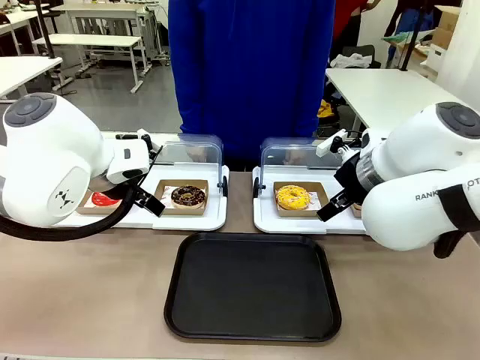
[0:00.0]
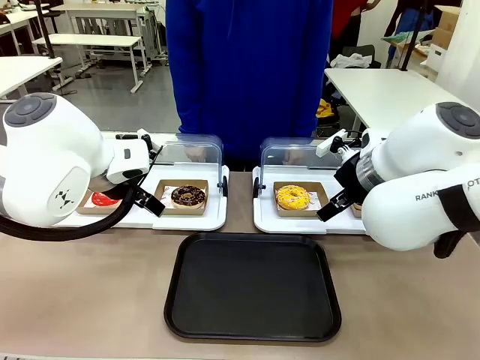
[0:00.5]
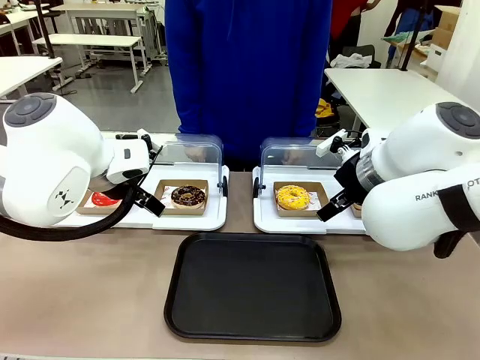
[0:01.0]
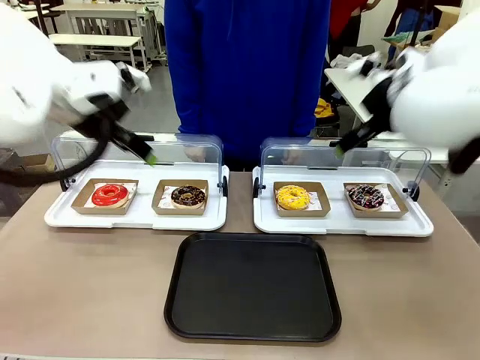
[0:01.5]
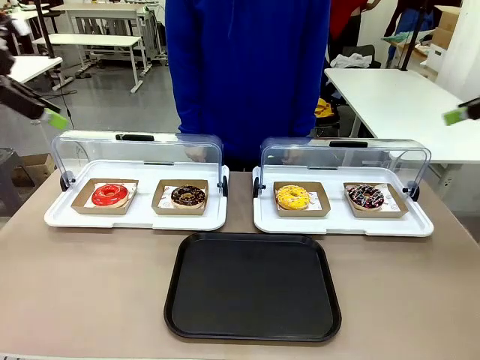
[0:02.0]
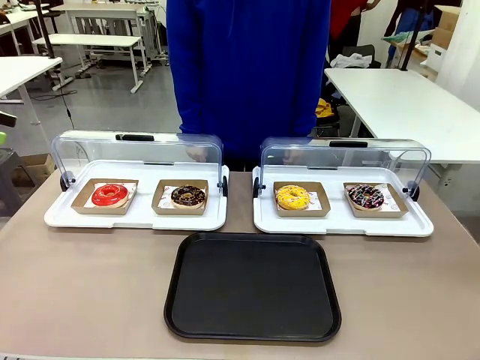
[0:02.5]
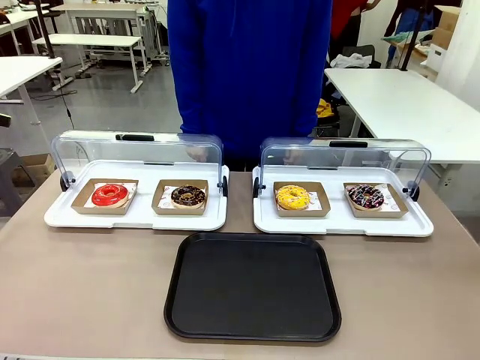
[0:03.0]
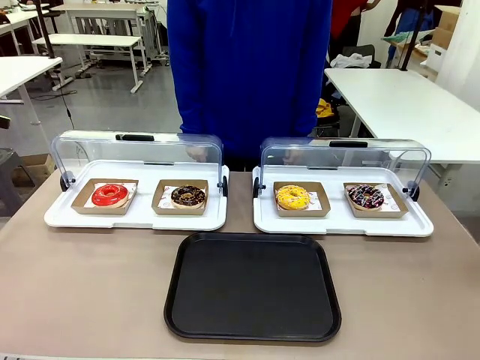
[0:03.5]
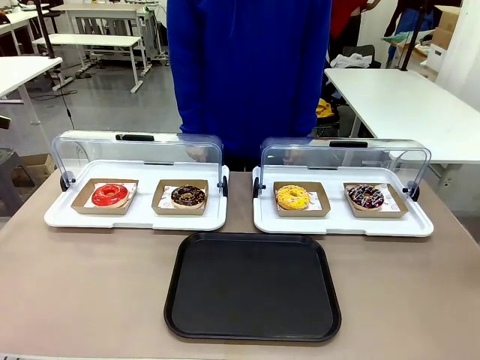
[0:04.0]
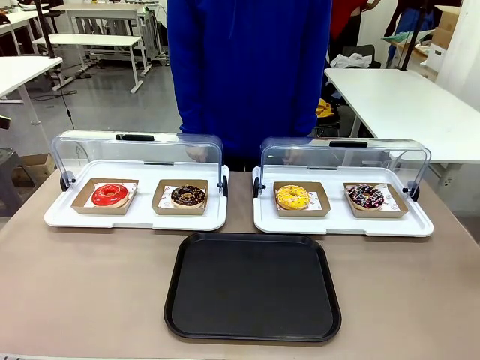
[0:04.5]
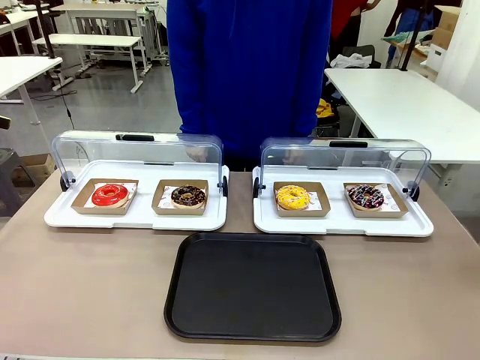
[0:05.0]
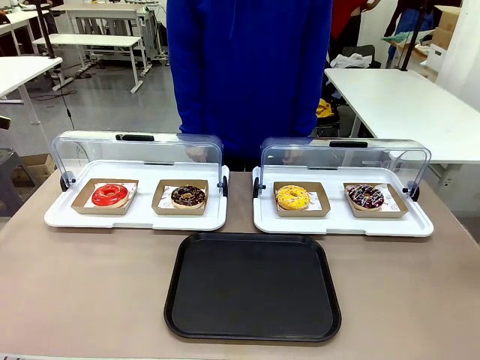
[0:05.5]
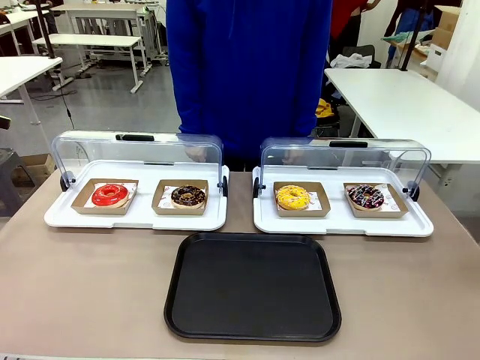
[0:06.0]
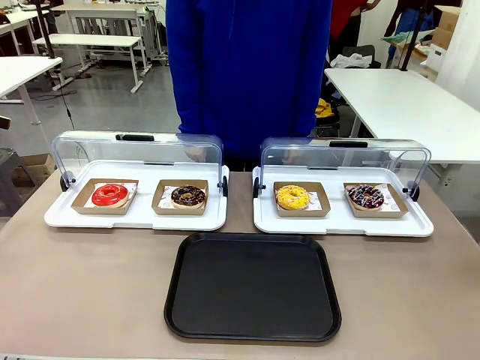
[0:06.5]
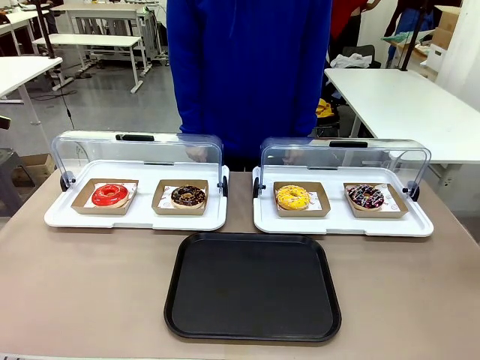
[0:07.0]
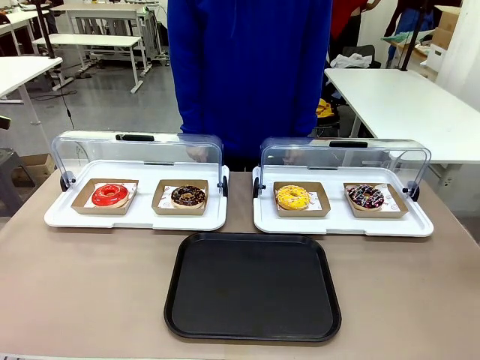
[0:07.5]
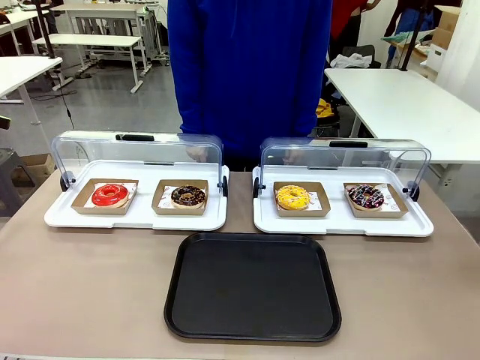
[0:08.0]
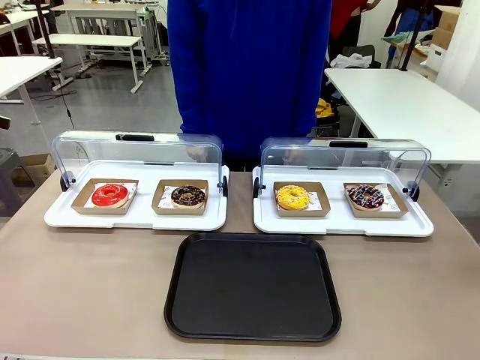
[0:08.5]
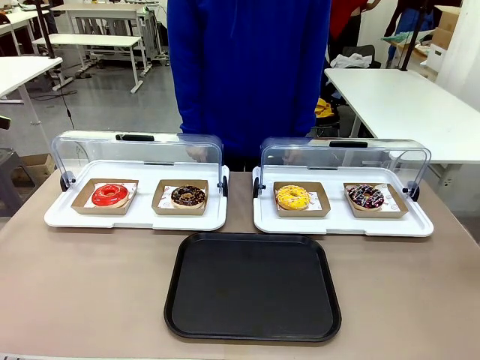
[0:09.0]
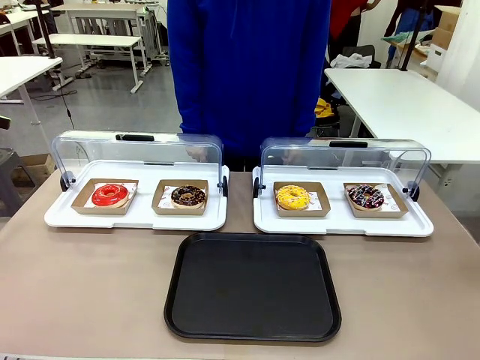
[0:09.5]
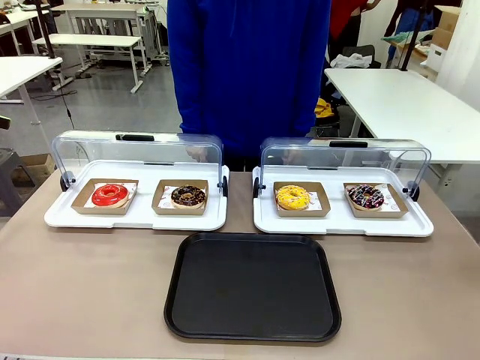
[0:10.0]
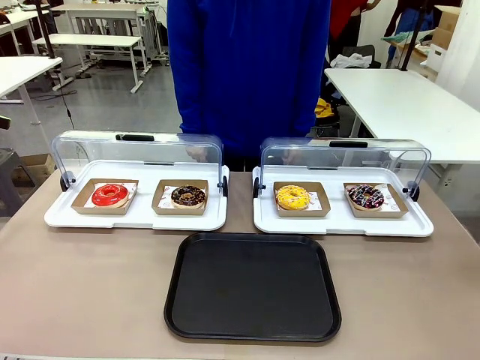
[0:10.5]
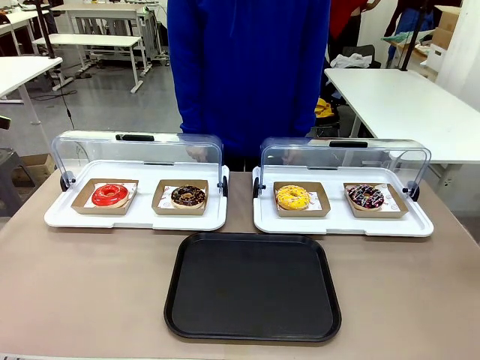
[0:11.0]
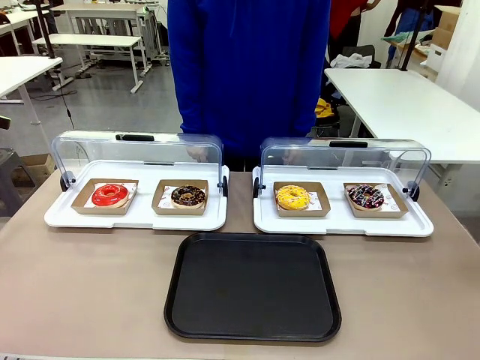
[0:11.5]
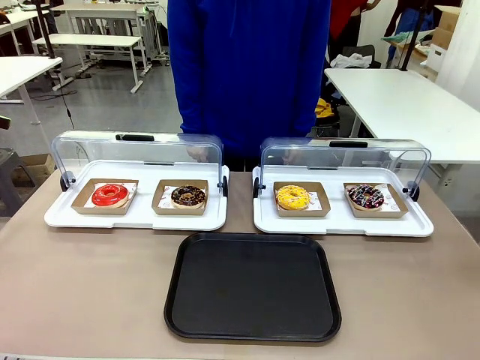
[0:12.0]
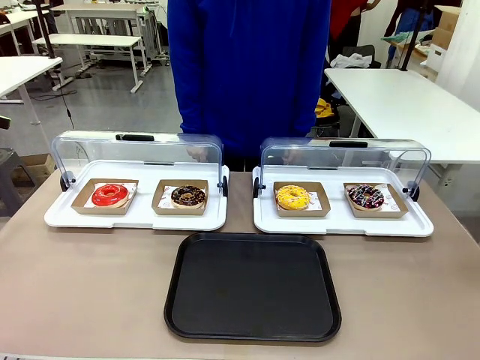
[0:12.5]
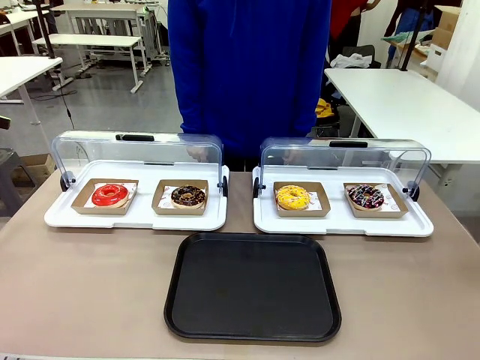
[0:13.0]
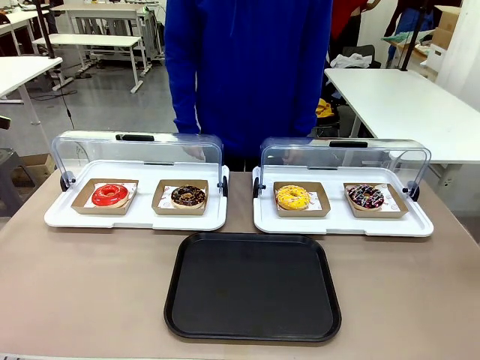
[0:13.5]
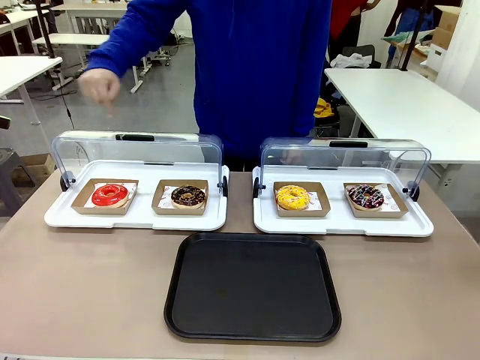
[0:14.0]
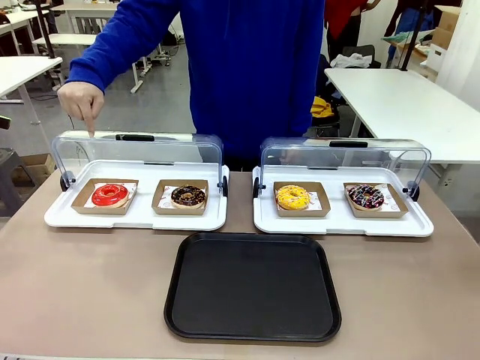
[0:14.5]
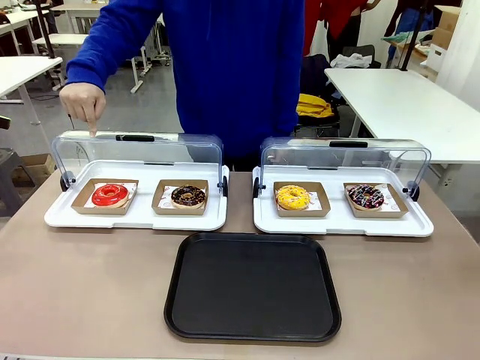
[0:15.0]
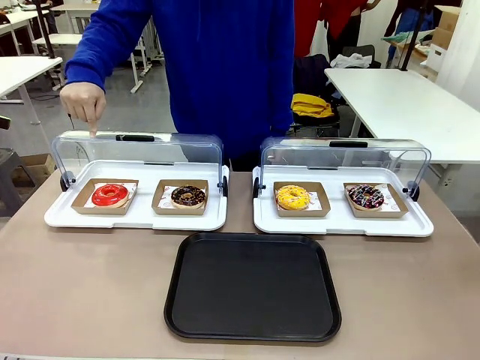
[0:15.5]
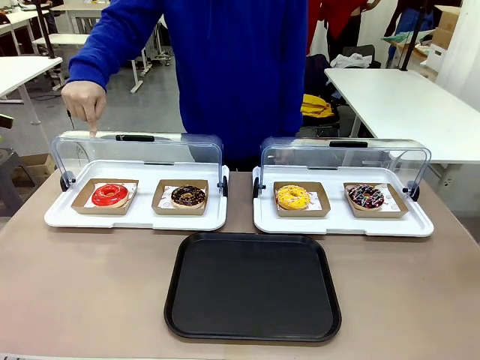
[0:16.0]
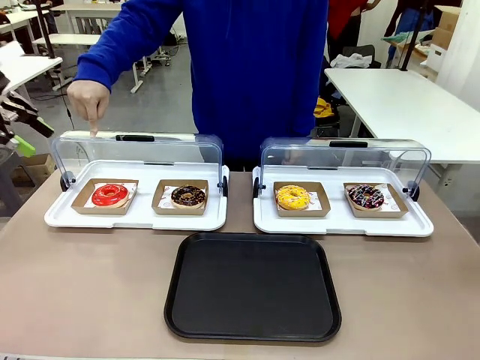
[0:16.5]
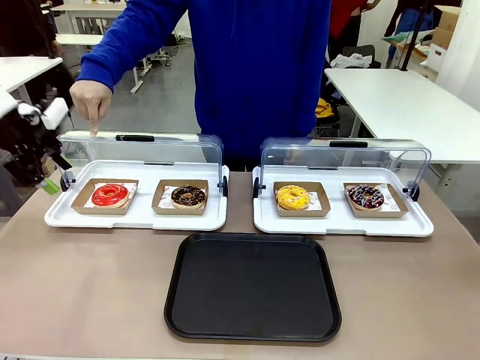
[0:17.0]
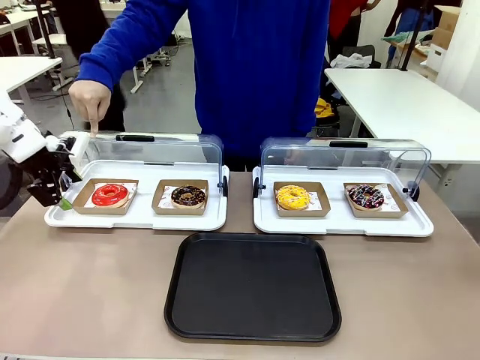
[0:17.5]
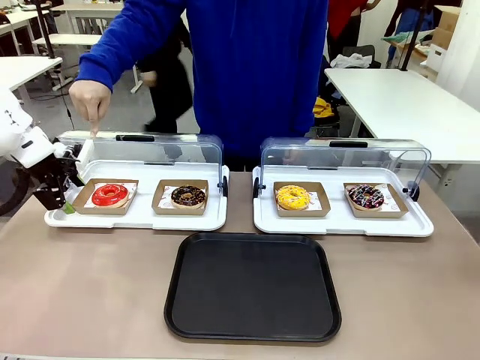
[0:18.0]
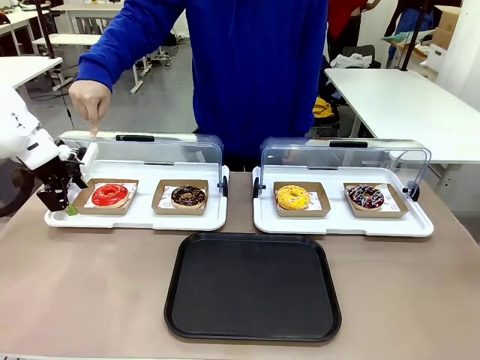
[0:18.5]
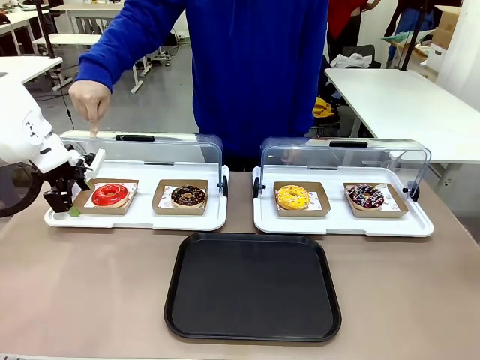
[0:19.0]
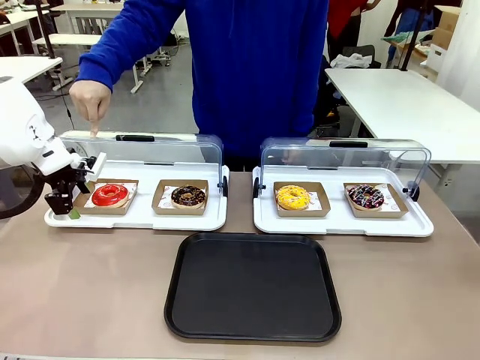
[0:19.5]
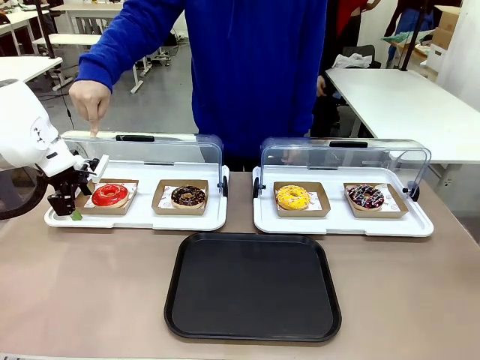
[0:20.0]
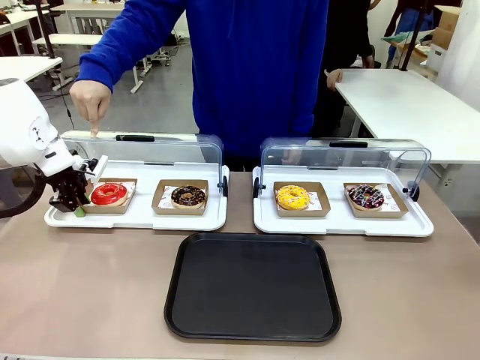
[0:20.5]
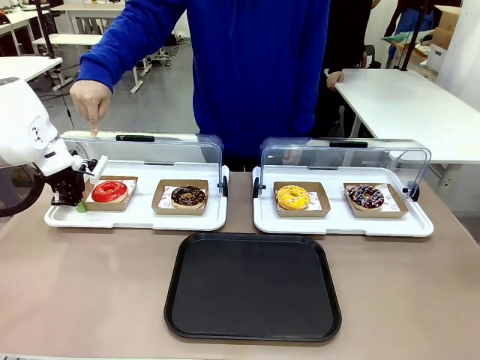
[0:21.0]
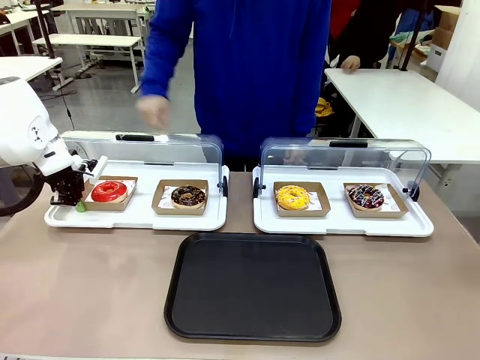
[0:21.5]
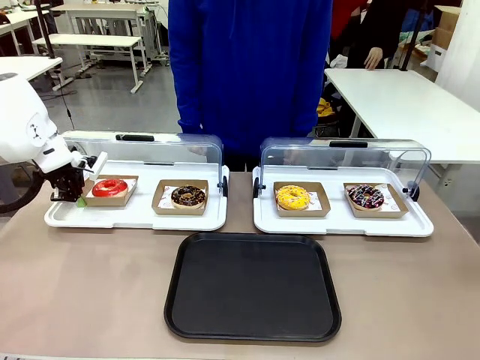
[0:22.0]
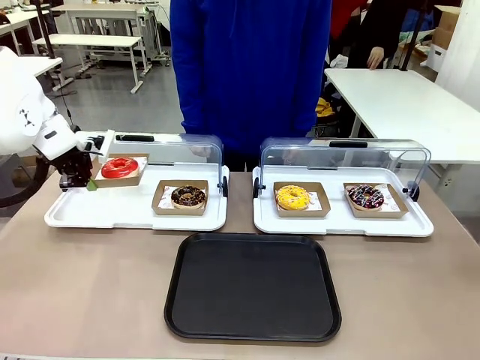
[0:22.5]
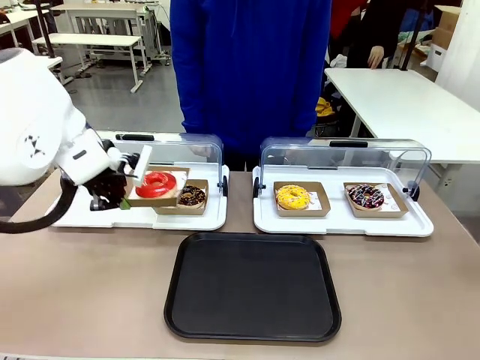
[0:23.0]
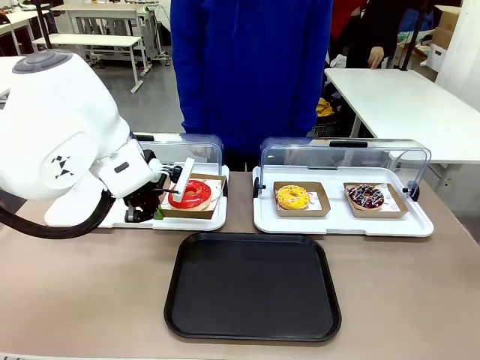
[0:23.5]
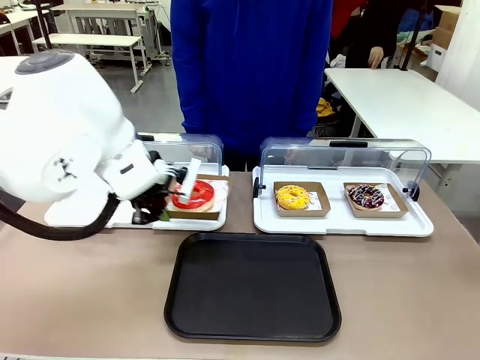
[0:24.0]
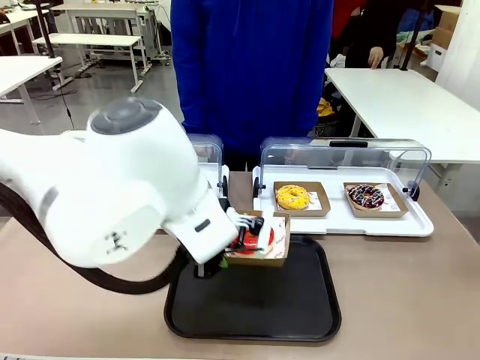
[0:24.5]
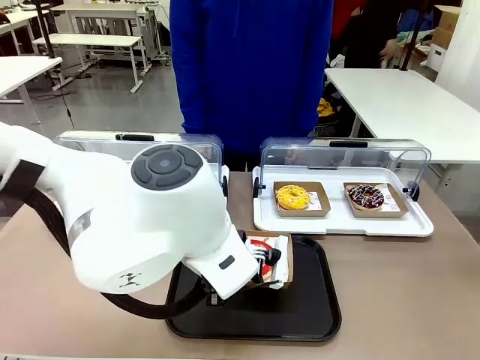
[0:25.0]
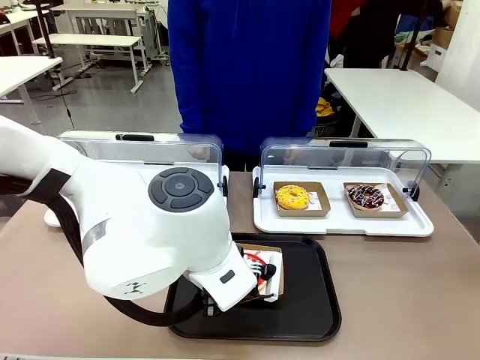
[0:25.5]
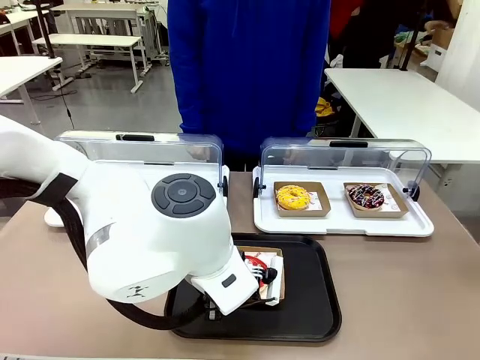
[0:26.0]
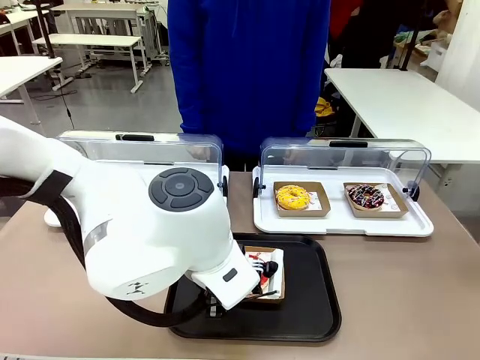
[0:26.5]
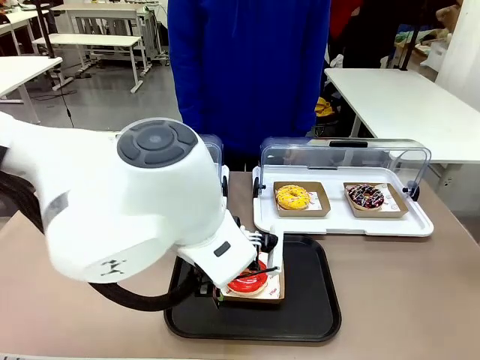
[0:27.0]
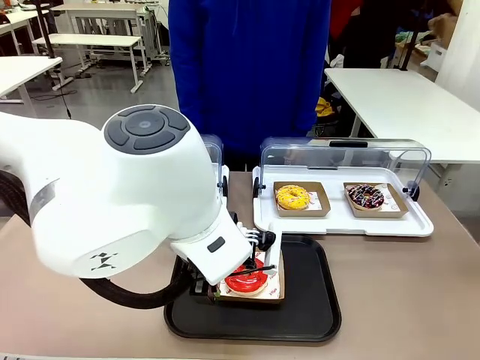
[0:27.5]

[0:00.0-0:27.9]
Task: Move the first donut from the left to the tray.
Robot: Pick up the Paper togo box containing the Donut indicated by the person and place it on the Handle tray.
Person: Points to the first donut from the left from the robot’s perspective.
